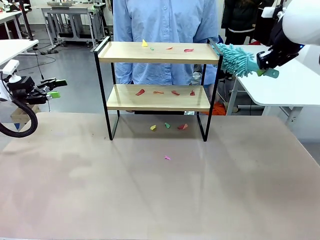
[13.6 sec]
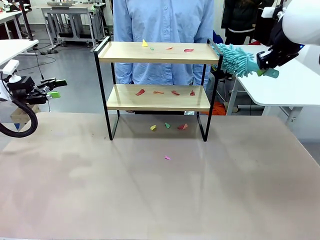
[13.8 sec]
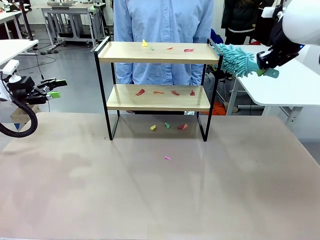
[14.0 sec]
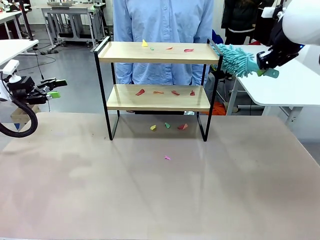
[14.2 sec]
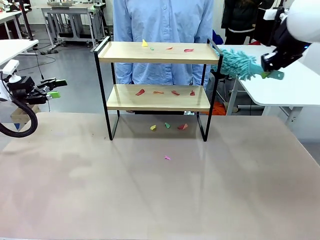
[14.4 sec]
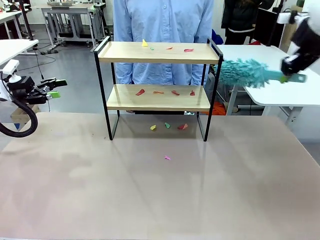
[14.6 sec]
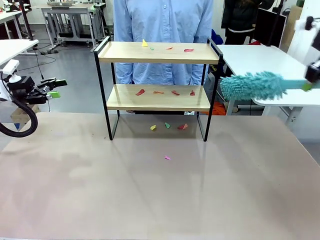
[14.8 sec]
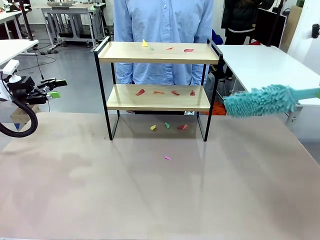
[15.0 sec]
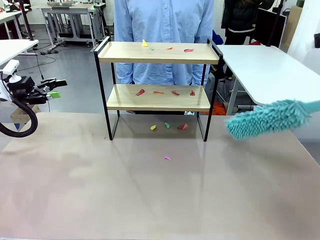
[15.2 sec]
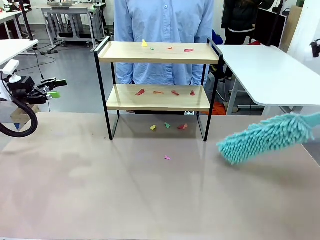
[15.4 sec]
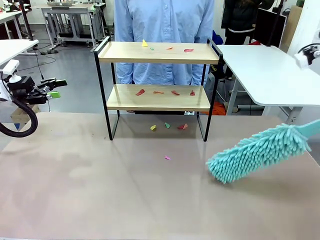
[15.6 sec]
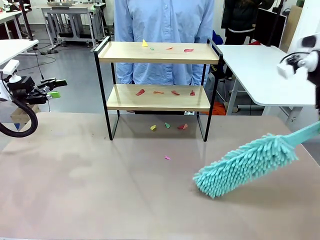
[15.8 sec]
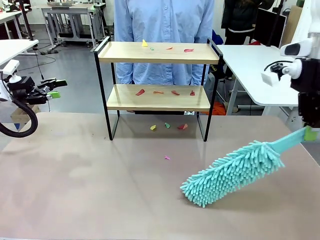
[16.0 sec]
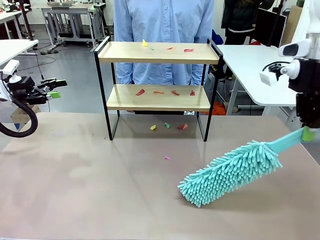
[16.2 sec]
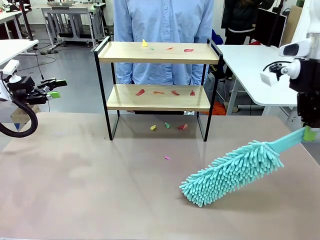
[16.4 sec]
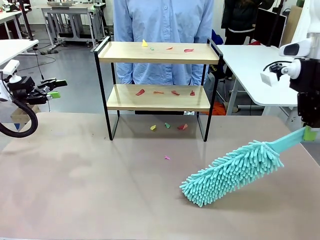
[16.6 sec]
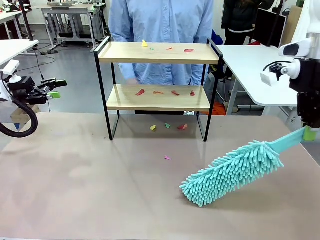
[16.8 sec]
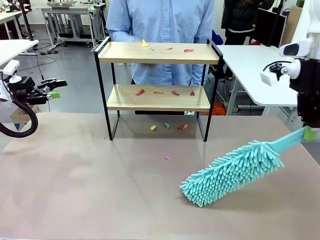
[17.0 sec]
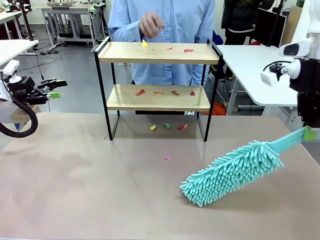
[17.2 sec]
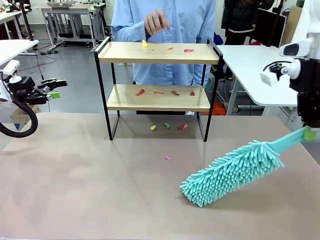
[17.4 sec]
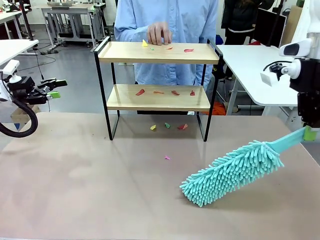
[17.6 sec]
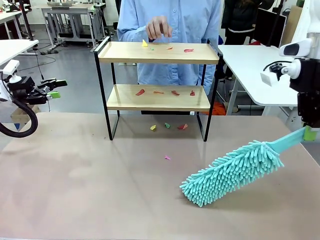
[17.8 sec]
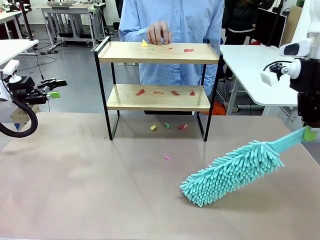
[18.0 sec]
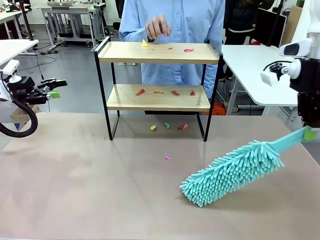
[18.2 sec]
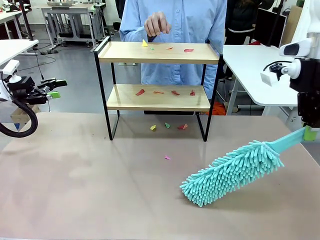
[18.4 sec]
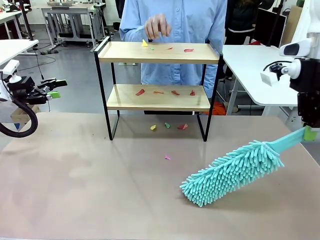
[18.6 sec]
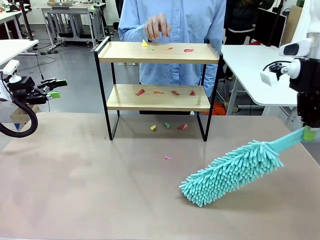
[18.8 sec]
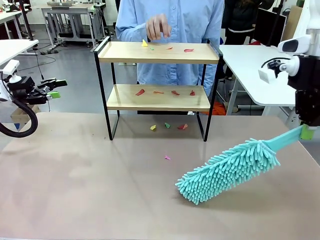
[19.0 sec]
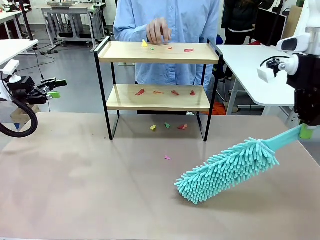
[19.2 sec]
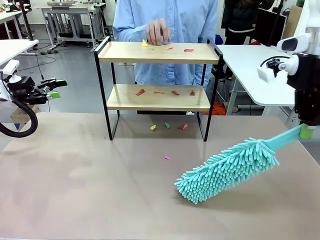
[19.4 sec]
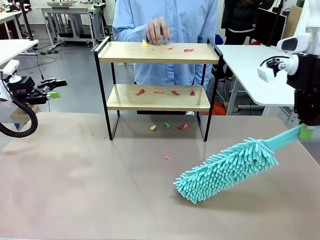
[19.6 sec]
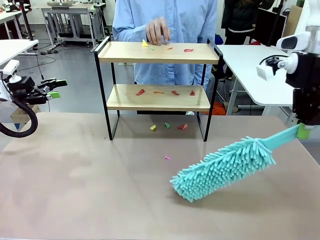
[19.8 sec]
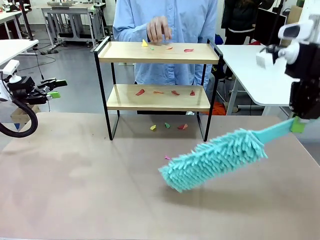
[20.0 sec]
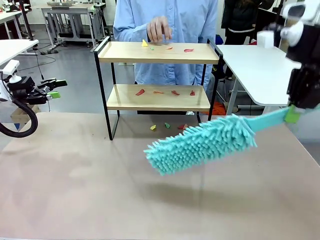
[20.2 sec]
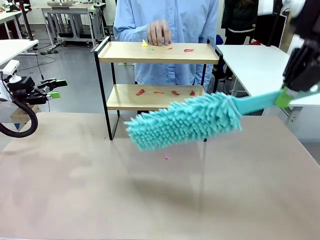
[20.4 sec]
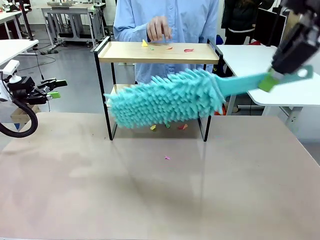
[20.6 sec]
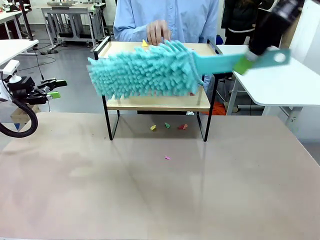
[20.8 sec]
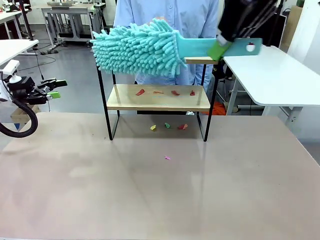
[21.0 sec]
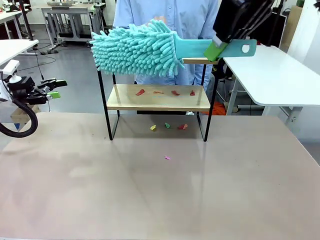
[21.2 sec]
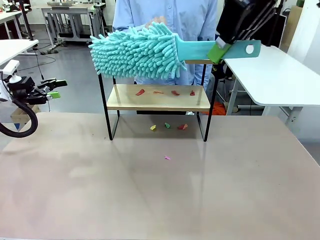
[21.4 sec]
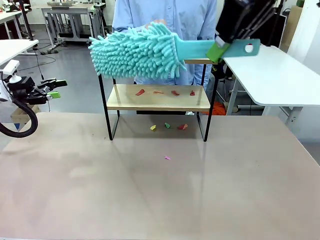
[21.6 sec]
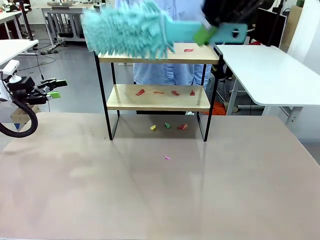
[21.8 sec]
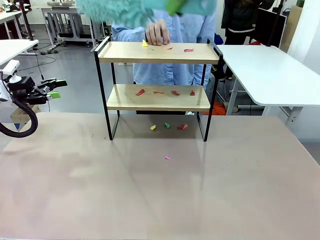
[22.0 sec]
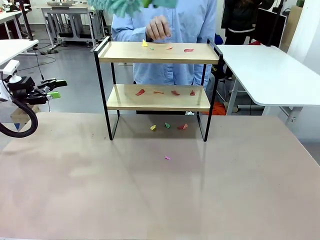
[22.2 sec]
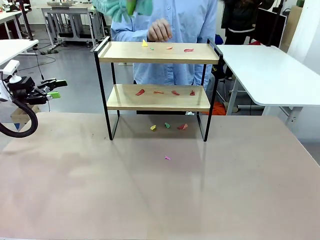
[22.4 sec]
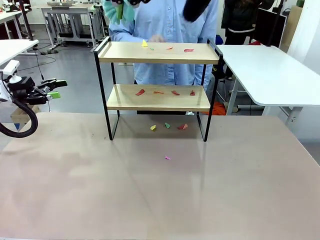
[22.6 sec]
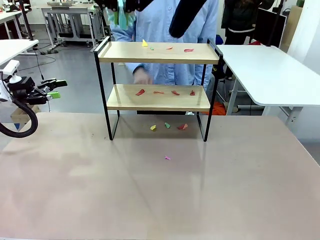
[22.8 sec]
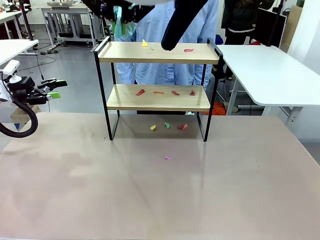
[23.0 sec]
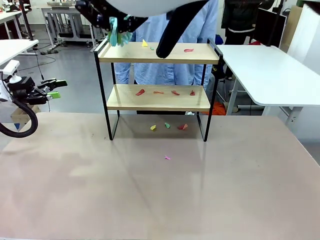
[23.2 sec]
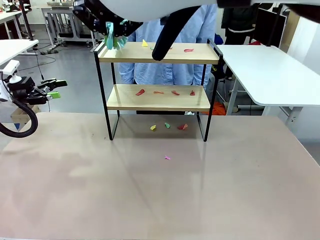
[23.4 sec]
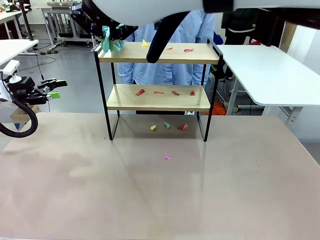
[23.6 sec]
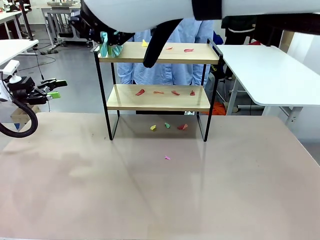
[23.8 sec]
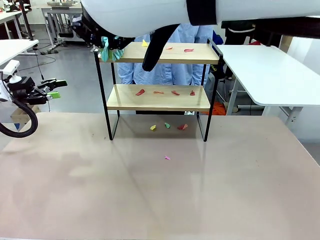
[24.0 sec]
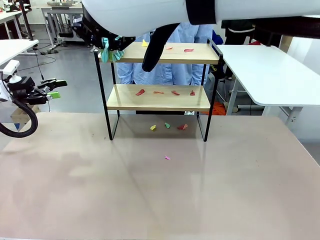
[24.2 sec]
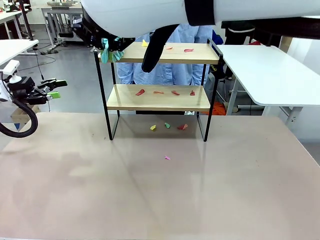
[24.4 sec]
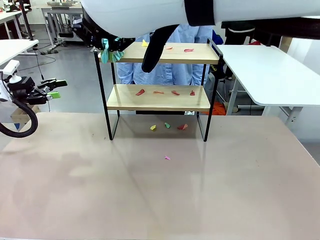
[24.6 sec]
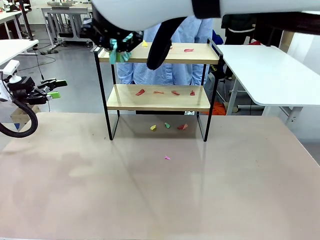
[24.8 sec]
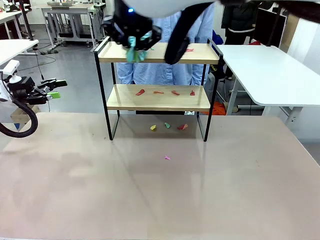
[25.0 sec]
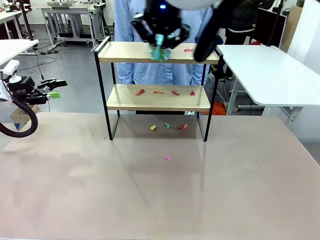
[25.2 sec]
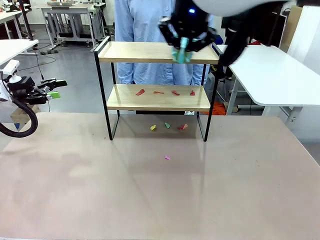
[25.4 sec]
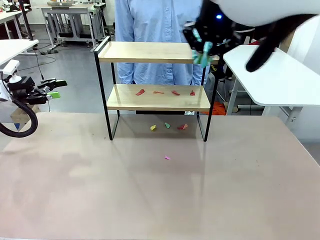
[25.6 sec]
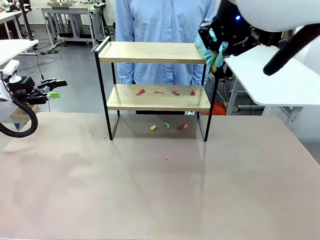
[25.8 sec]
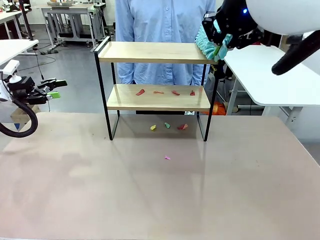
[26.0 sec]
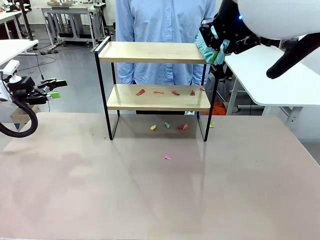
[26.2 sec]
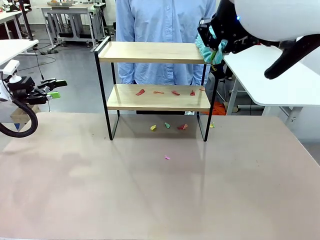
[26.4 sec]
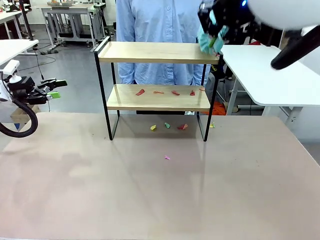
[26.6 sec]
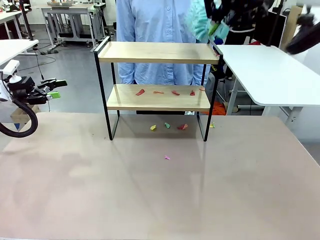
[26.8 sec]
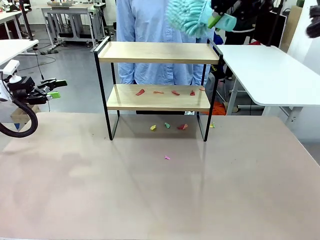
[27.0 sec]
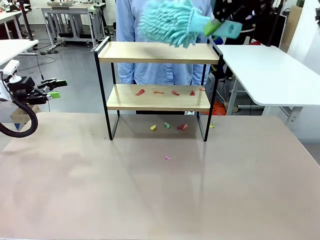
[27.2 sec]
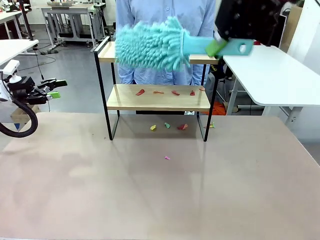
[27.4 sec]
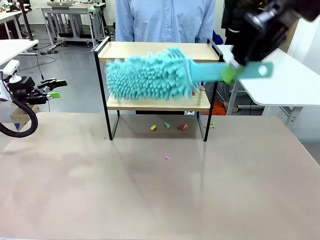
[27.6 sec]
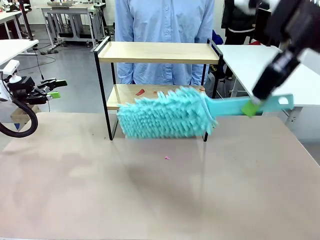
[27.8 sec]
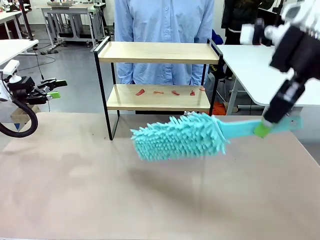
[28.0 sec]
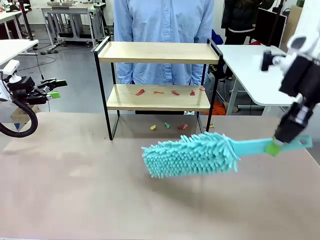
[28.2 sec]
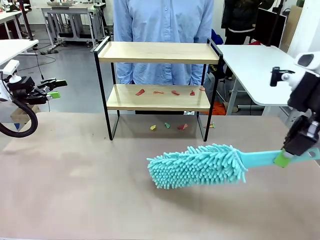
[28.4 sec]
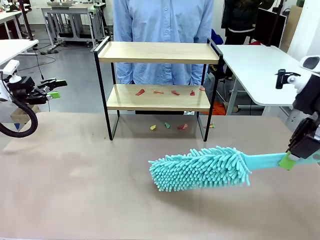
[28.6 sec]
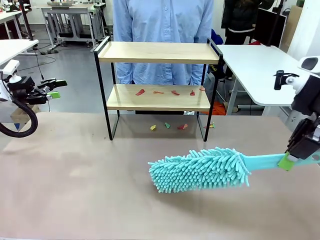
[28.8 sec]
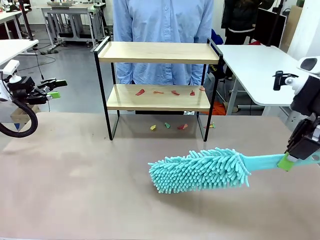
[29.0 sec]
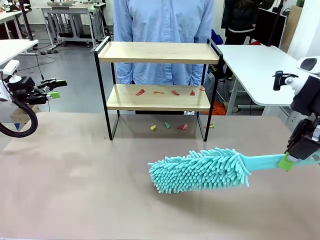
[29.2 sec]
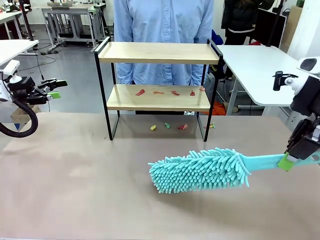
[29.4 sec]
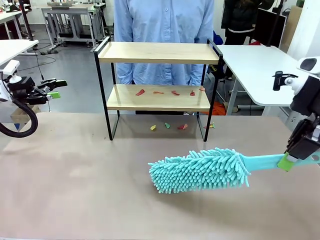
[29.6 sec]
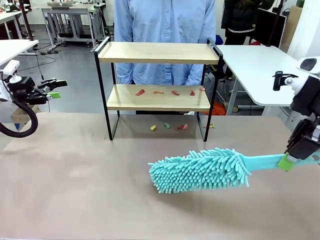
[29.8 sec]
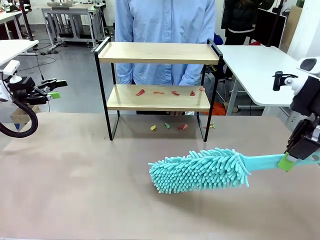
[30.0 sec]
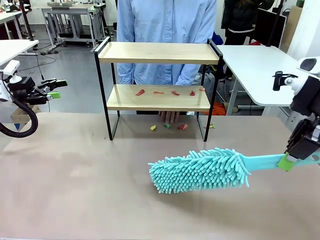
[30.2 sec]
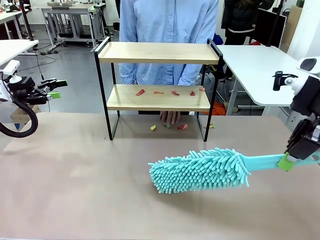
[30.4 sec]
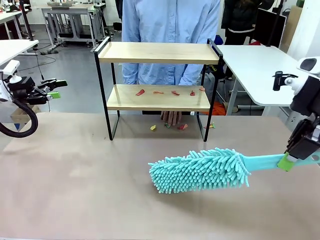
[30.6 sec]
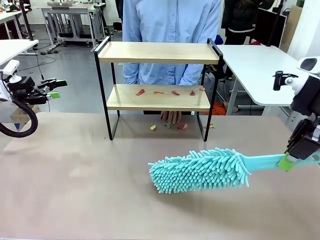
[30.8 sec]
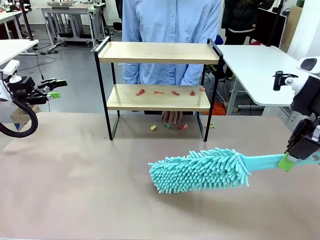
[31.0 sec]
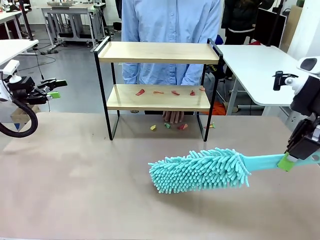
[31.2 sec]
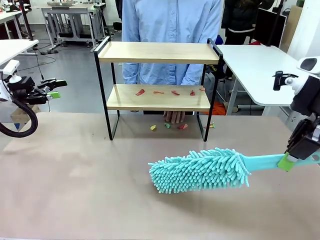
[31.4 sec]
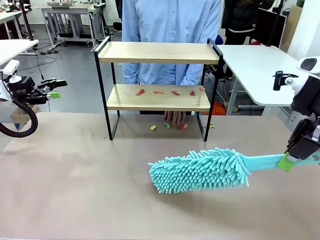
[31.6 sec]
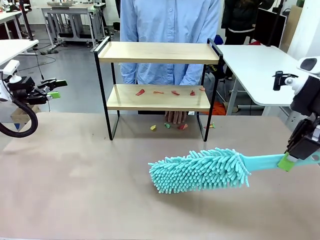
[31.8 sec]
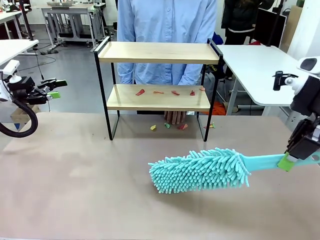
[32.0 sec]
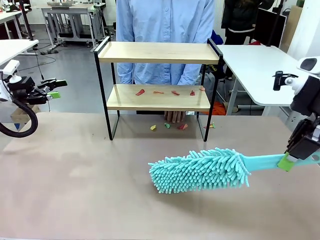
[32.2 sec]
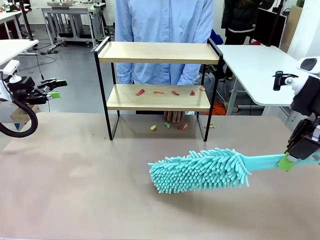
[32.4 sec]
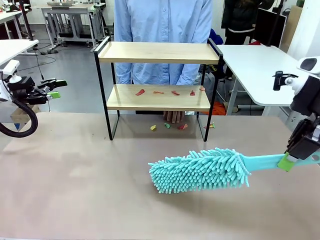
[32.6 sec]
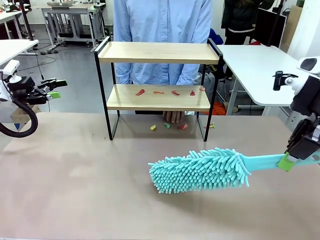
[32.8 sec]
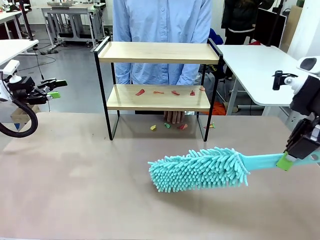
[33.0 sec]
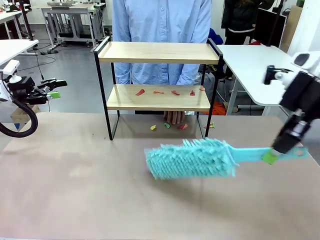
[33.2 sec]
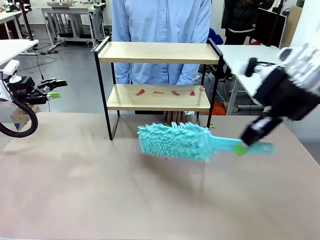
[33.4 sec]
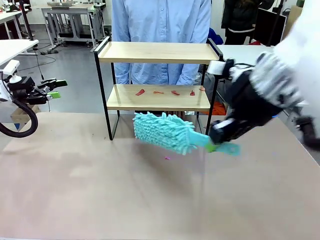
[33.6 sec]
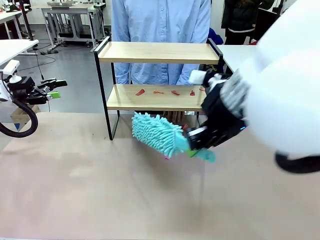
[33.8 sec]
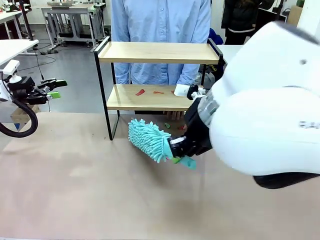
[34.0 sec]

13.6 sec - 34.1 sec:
Task: Clean the shelf.
Robot: Clean the specific section of the Shelf indicated by the human with the Duster.
Person: Point a random section of the Shelf.
